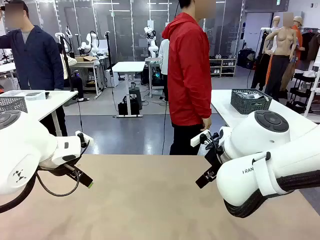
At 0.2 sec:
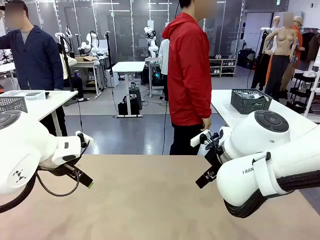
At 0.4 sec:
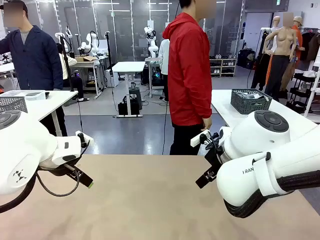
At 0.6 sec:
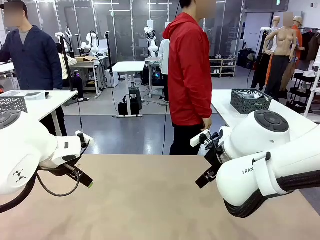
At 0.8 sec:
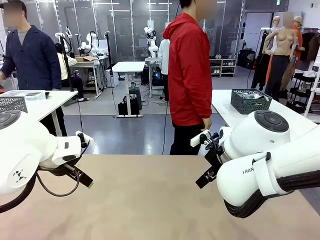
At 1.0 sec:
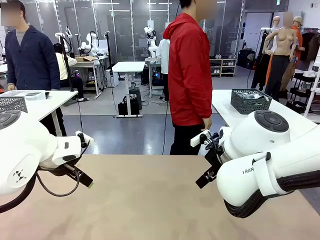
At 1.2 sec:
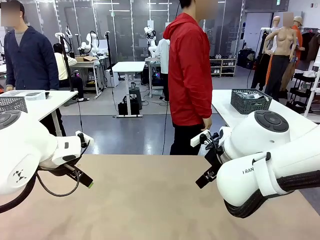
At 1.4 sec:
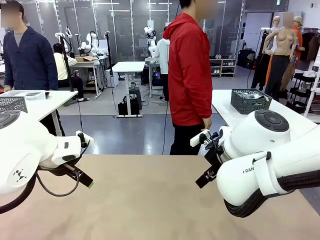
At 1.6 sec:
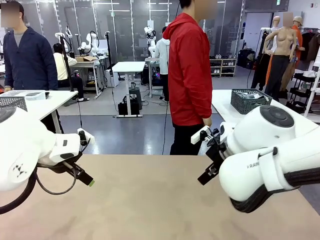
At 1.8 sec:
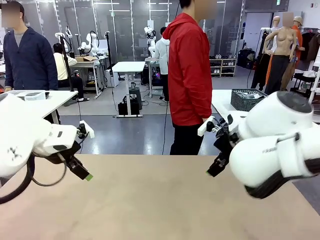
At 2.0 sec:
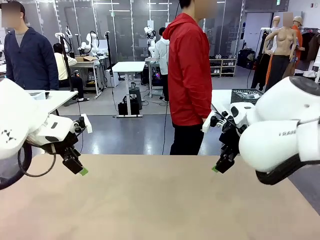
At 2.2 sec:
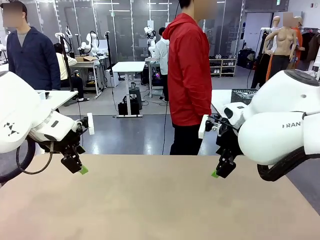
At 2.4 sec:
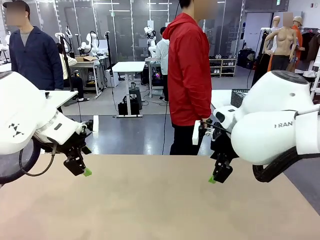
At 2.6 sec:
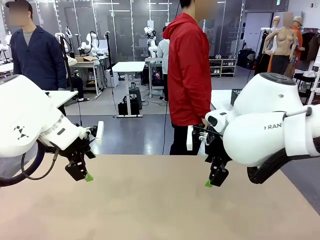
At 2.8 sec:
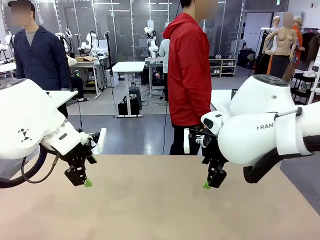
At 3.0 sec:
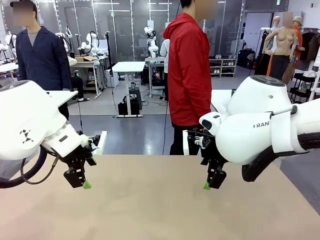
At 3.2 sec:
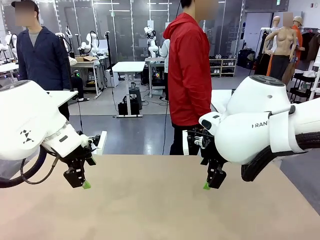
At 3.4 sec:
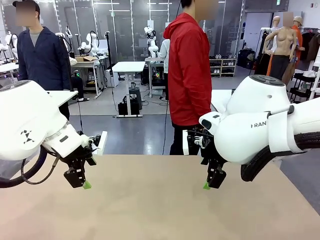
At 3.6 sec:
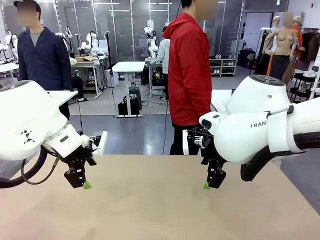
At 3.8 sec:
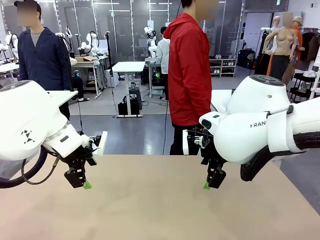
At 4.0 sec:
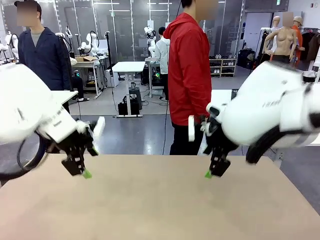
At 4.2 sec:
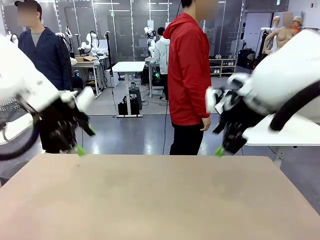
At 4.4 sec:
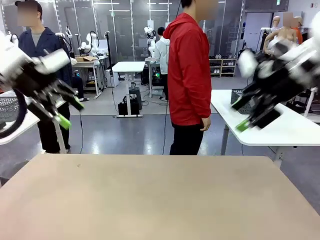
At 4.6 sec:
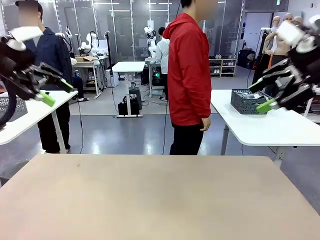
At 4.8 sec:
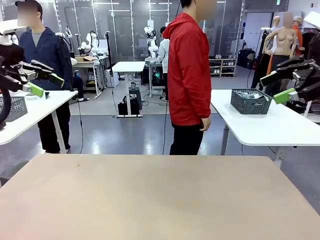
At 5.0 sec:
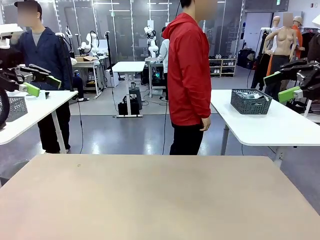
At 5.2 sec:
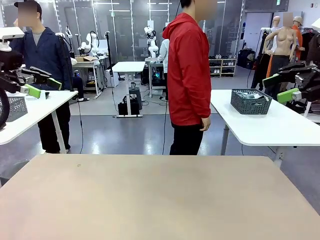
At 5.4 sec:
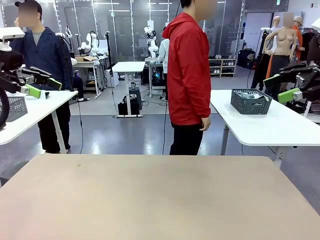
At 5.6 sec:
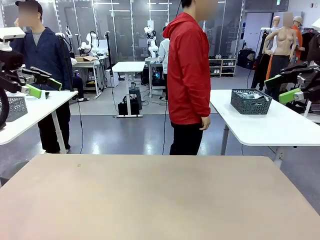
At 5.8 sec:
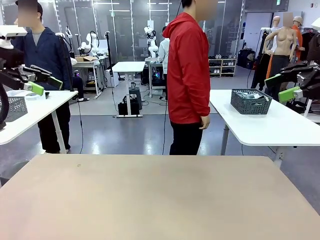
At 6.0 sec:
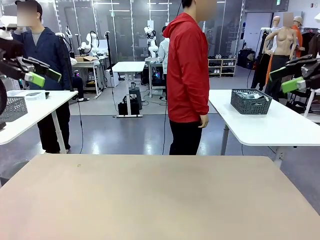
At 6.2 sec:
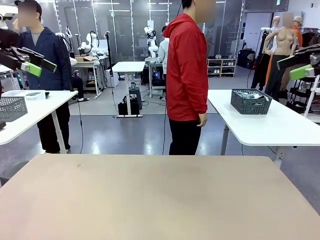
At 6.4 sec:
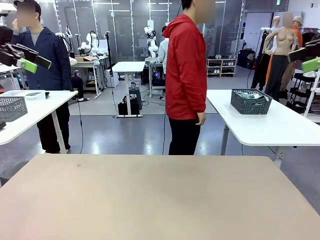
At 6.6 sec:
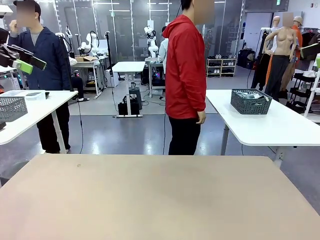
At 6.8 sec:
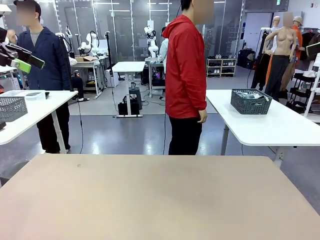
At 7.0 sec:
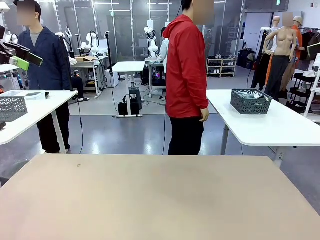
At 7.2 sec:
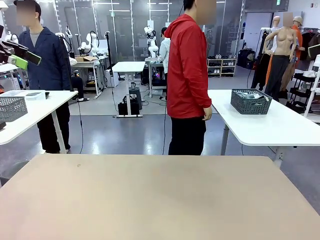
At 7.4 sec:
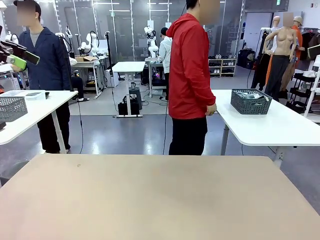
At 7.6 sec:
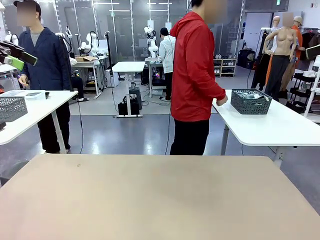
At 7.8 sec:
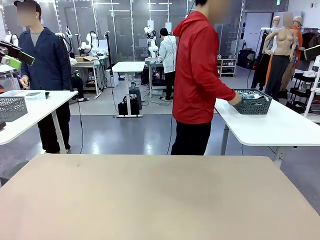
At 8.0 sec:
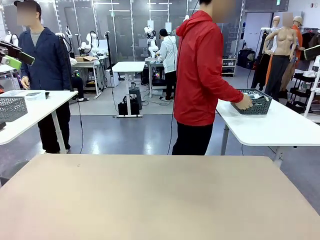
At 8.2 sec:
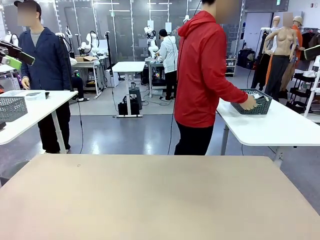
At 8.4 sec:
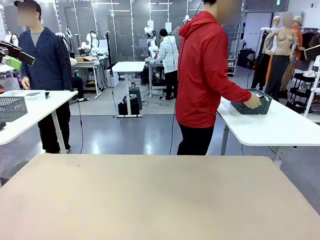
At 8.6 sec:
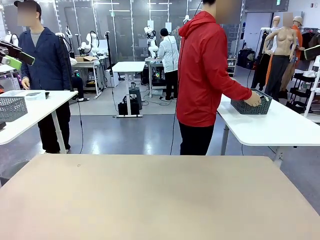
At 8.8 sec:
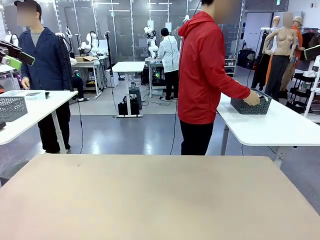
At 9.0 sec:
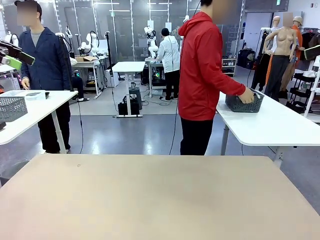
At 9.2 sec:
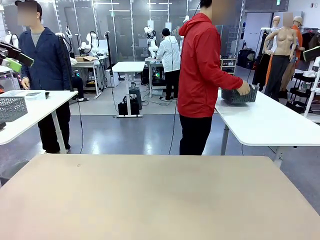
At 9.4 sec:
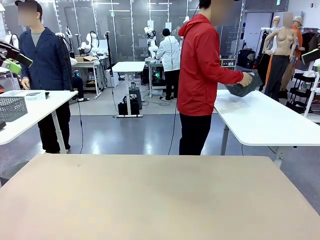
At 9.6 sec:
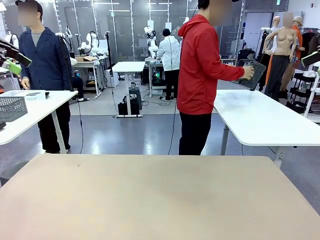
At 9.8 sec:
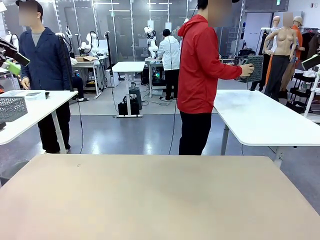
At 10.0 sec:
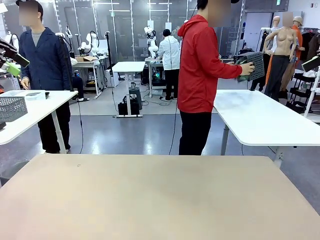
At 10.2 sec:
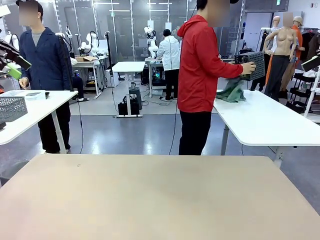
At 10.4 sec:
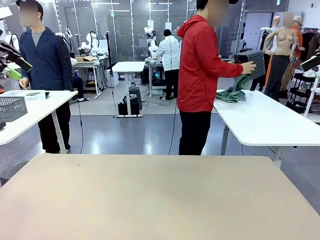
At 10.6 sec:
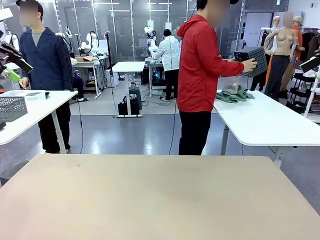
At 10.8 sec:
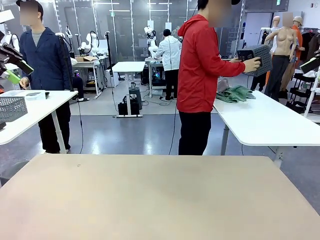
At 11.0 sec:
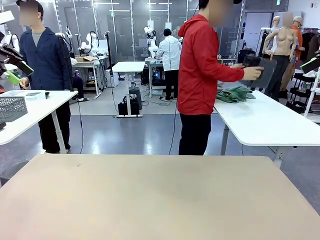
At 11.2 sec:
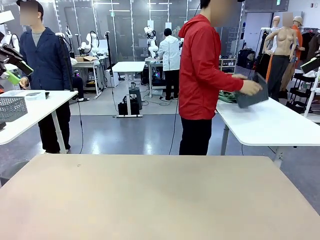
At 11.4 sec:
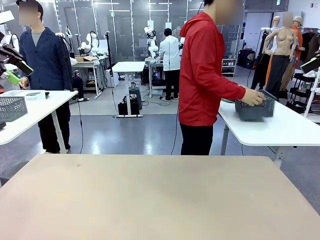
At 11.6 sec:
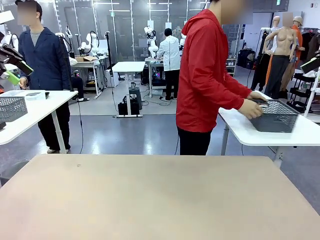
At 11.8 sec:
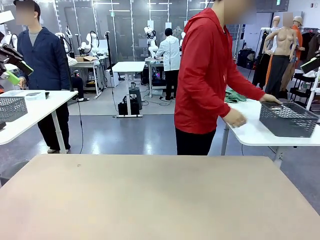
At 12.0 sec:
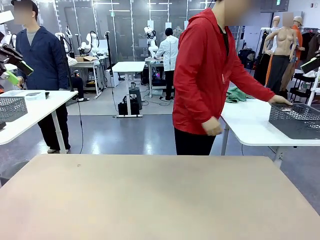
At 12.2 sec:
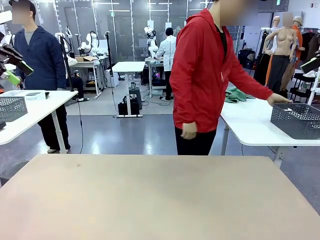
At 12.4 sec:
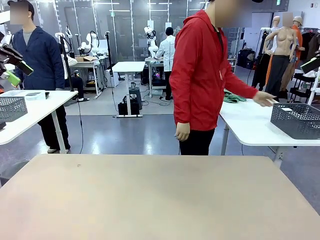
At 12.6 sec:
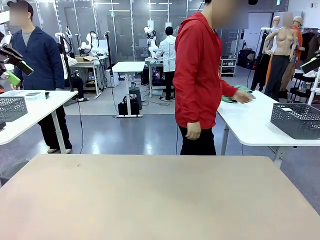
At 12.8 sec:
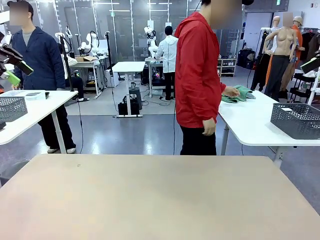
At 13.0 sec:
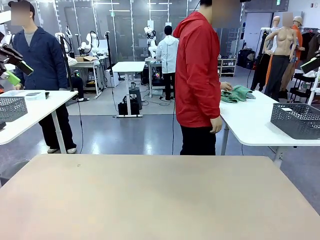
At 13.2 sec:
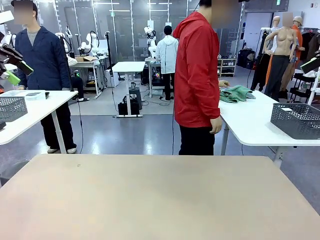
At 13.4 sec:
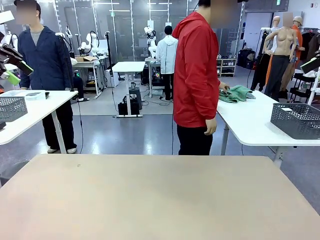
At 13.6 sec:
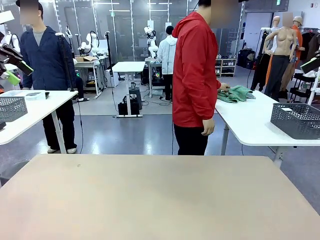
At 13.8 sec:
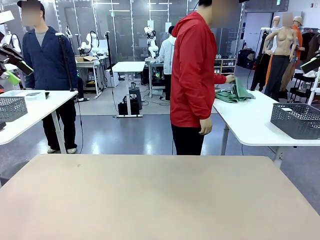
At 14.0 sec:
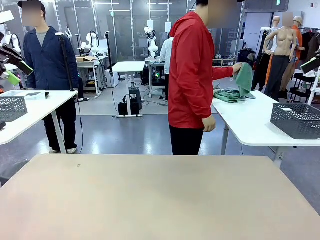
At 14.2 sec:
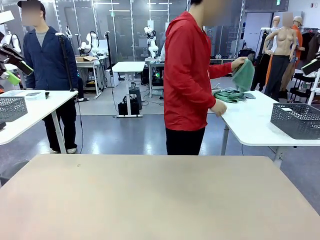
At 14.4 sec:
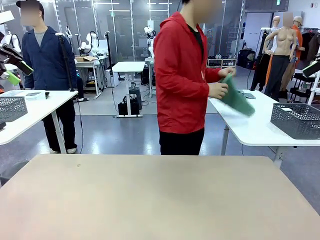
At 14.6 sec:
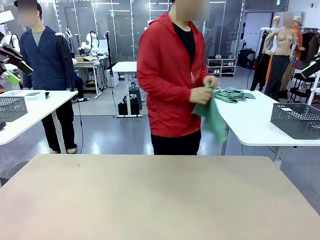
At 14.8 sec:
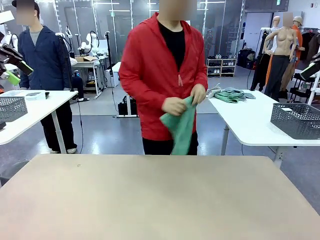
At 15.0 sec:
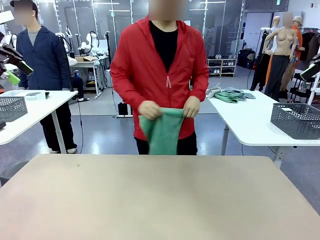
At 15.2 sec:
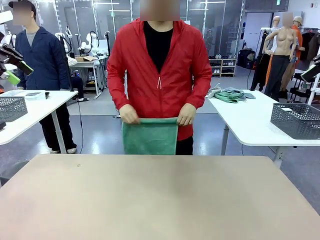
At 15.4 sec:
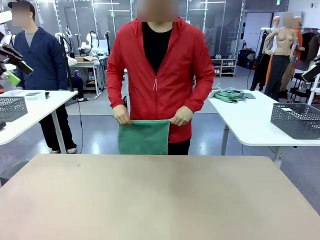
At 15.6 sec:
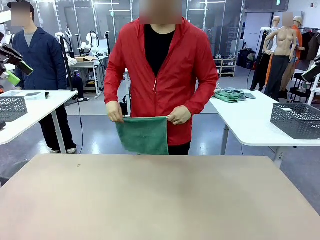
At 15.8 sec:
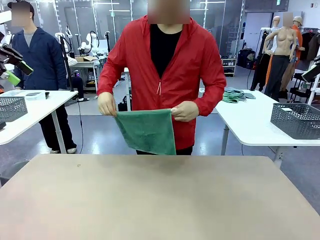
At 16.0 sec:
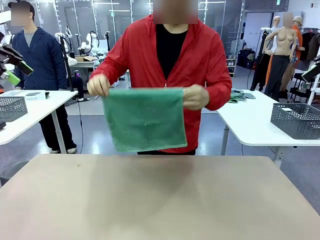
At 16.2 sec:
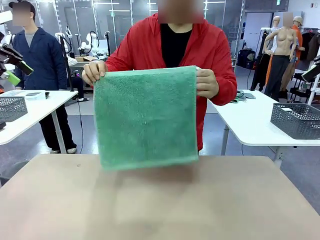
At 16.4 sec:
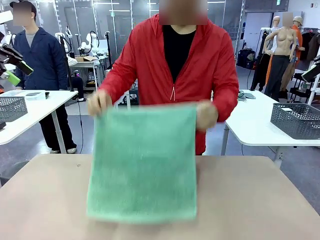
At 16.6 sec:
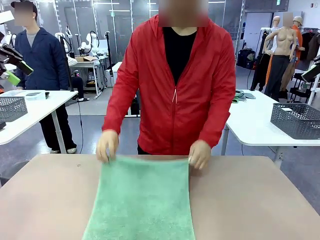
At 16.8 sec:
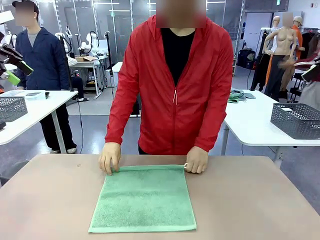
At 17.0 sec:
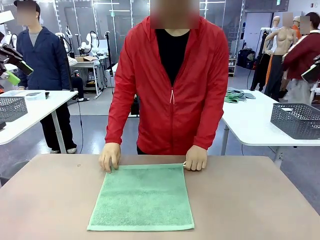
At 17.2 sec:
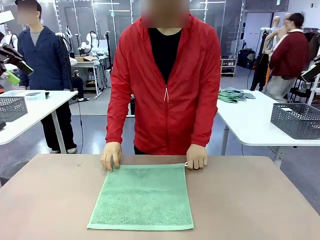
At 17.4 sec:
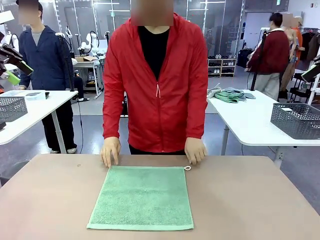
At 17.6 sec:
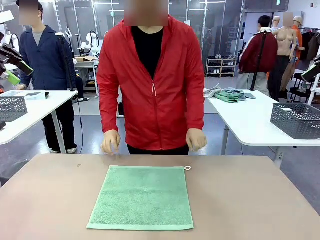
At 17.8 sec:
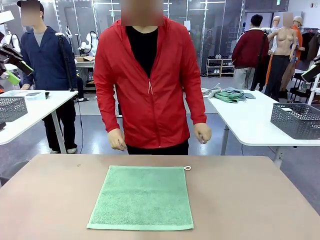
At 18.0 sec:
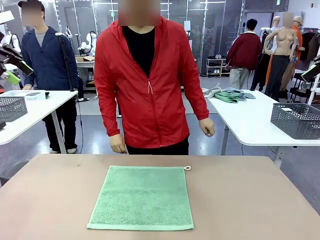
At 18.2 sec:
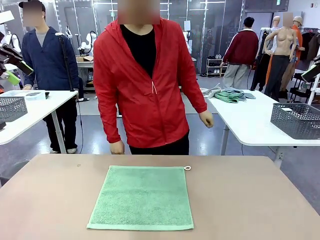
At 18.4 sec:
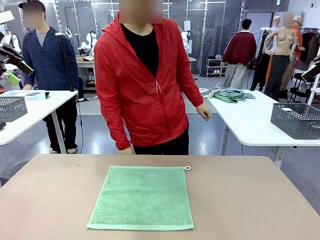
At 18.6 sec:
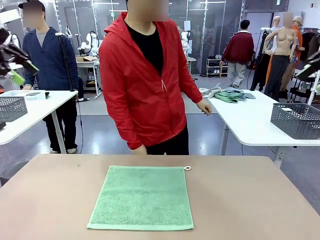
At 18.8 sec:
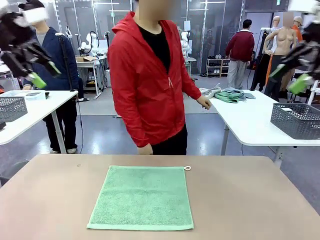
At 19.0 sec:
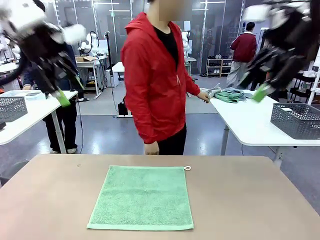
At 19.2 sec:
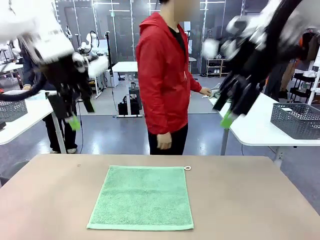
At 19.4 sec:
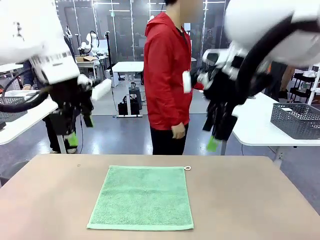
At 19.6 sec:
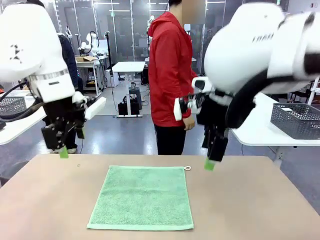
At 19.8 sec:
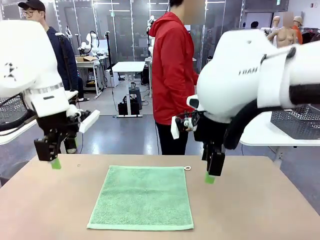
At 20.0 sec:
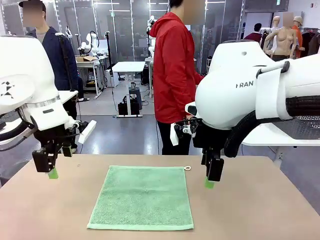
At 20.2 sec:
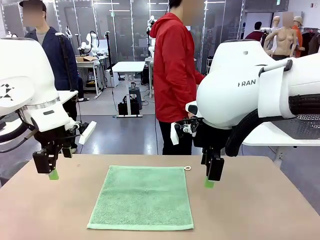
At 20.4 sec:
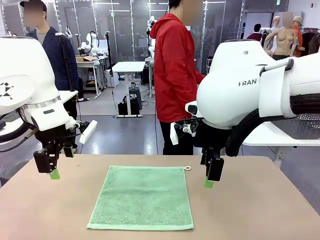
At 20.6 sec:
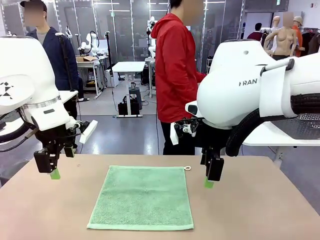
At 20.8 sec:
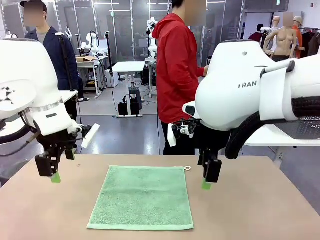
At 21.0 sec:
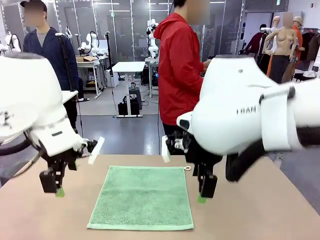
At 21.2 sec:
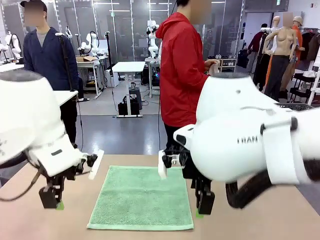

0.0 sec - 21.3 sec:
Task: Fold the towels and place them in the basket.
Robot: When a person lays out a Towel with hook on the table, fold it in half twice.
Person: Pick up the basket, pour the towels onto the left side of the human table, and place the basket on the right side. Pick up one towel and spread it out at the center of the robot table.
